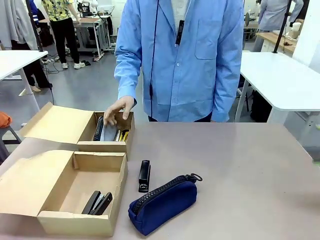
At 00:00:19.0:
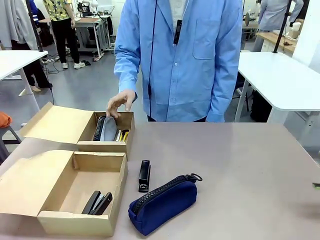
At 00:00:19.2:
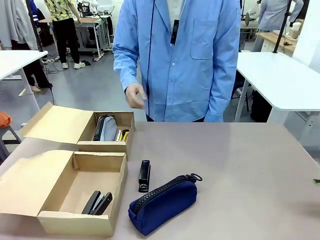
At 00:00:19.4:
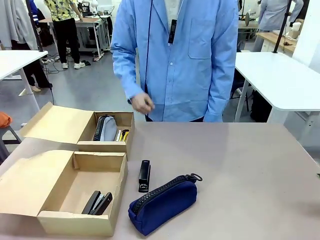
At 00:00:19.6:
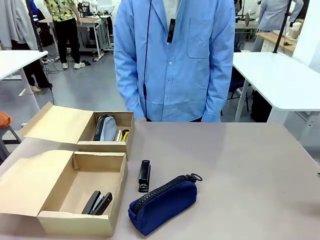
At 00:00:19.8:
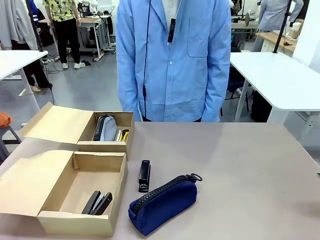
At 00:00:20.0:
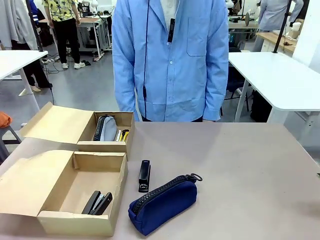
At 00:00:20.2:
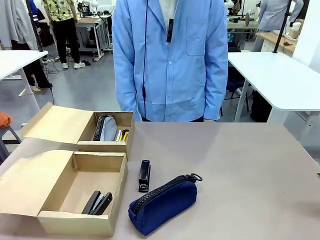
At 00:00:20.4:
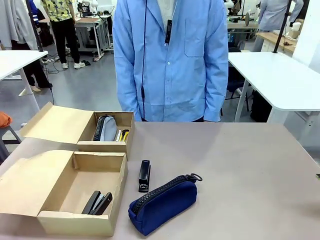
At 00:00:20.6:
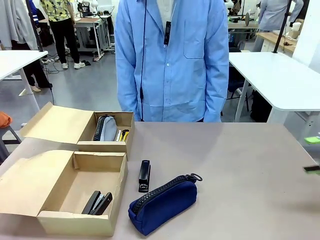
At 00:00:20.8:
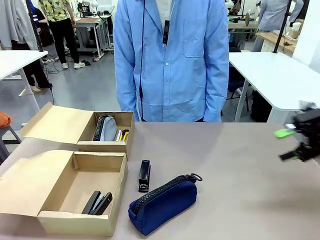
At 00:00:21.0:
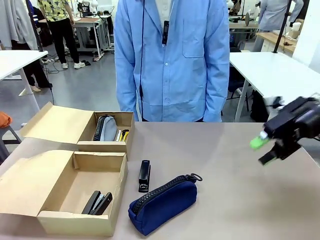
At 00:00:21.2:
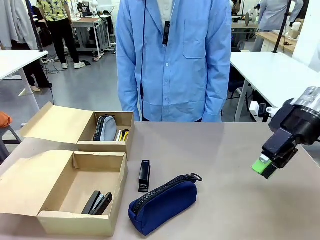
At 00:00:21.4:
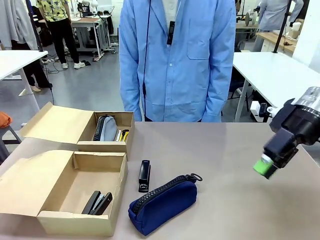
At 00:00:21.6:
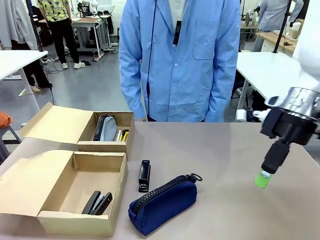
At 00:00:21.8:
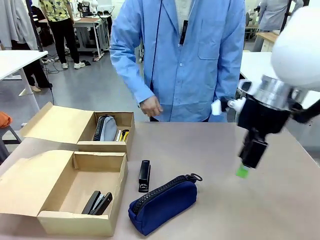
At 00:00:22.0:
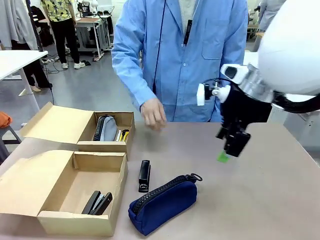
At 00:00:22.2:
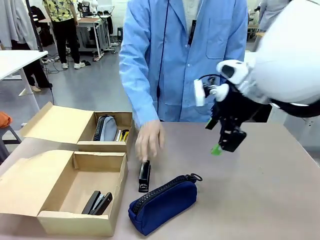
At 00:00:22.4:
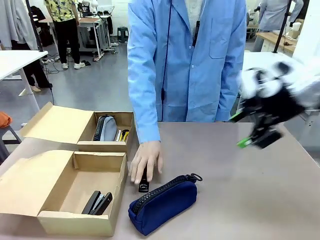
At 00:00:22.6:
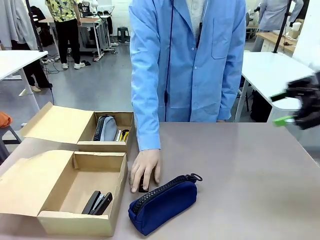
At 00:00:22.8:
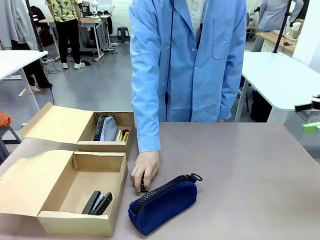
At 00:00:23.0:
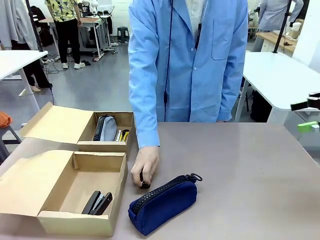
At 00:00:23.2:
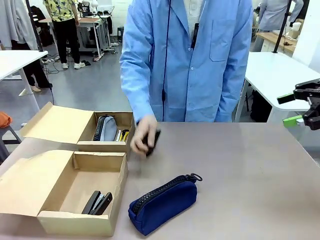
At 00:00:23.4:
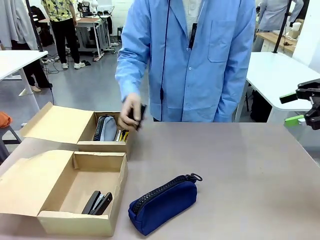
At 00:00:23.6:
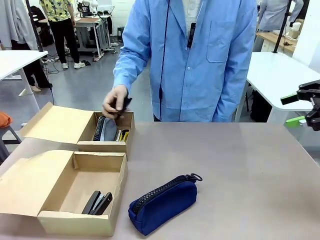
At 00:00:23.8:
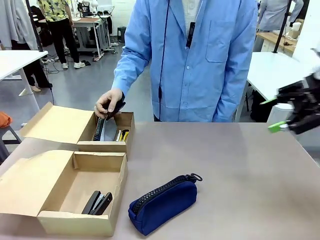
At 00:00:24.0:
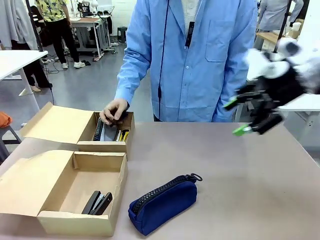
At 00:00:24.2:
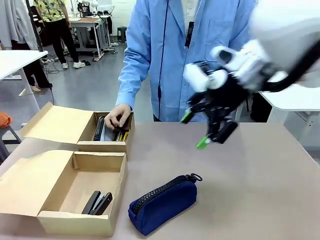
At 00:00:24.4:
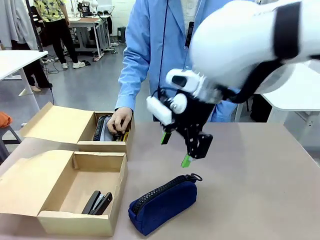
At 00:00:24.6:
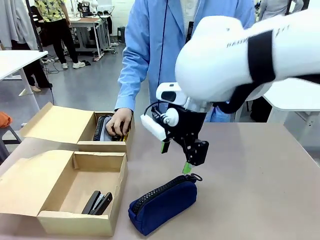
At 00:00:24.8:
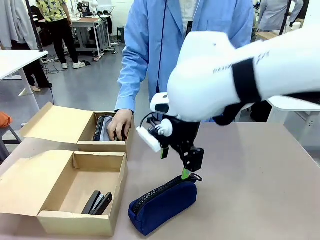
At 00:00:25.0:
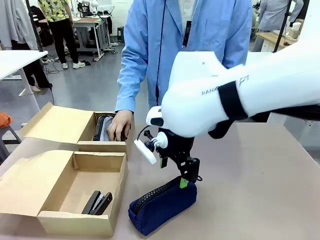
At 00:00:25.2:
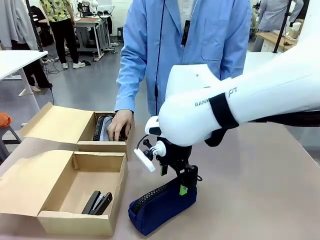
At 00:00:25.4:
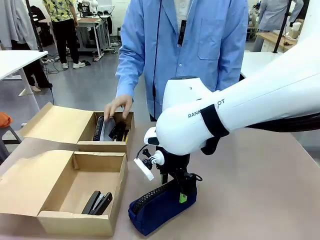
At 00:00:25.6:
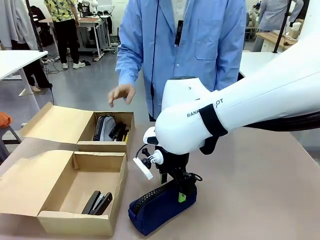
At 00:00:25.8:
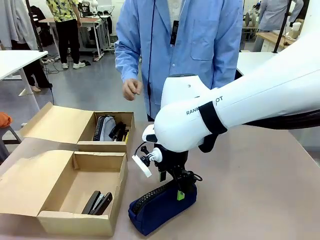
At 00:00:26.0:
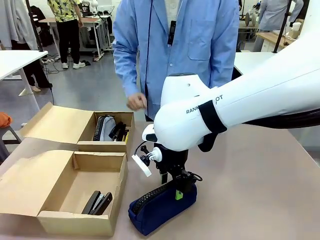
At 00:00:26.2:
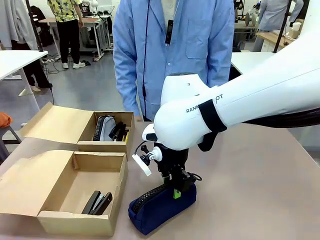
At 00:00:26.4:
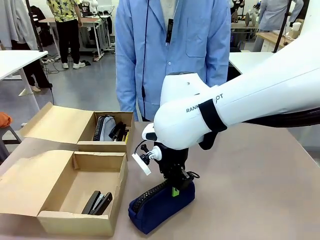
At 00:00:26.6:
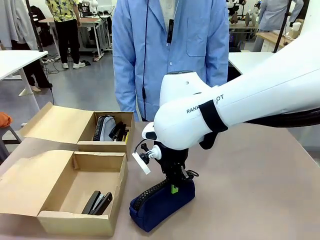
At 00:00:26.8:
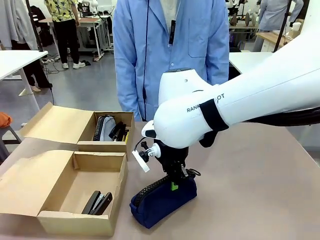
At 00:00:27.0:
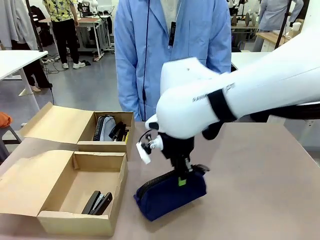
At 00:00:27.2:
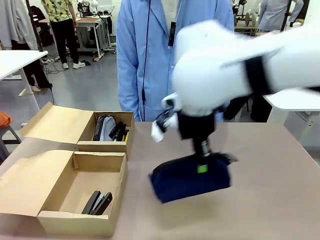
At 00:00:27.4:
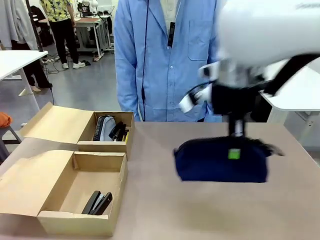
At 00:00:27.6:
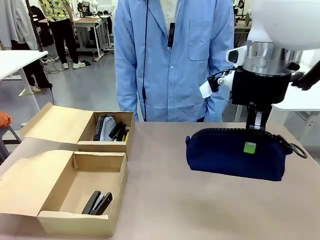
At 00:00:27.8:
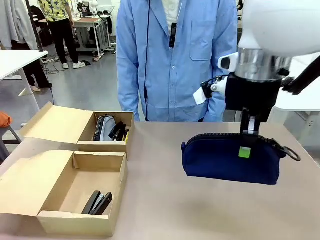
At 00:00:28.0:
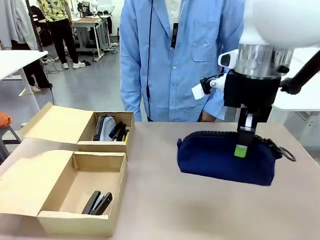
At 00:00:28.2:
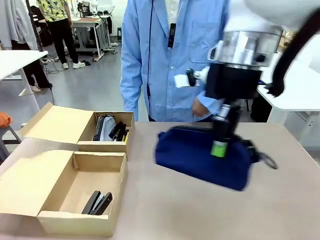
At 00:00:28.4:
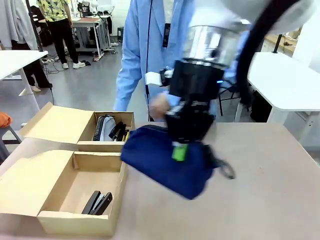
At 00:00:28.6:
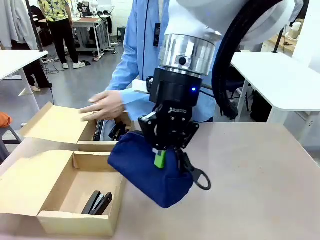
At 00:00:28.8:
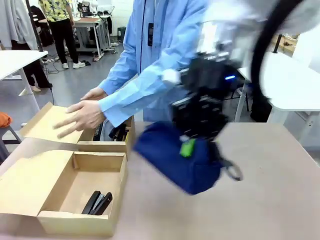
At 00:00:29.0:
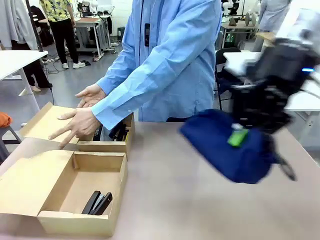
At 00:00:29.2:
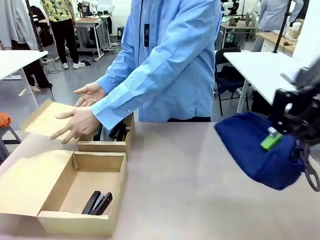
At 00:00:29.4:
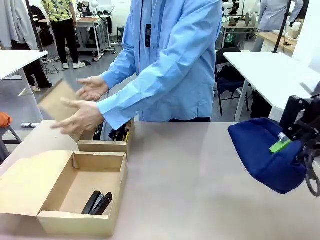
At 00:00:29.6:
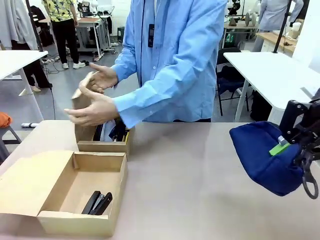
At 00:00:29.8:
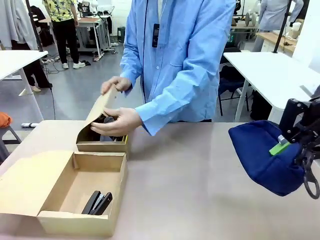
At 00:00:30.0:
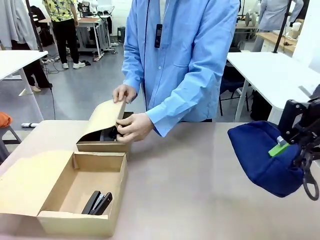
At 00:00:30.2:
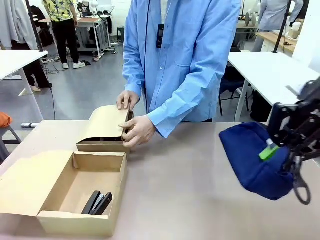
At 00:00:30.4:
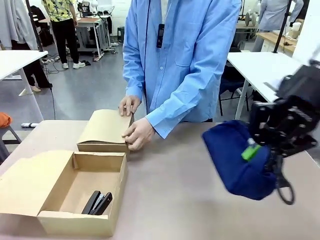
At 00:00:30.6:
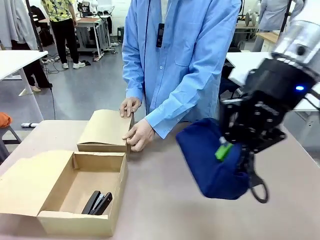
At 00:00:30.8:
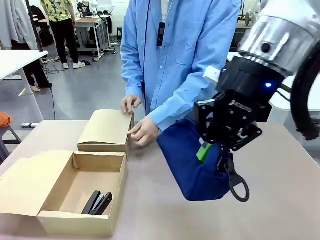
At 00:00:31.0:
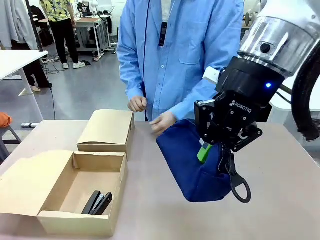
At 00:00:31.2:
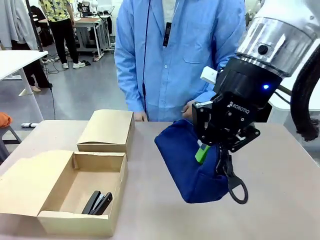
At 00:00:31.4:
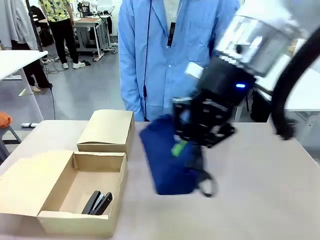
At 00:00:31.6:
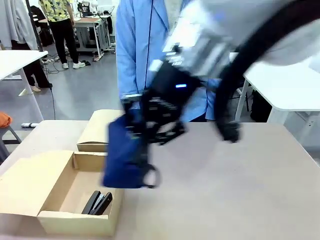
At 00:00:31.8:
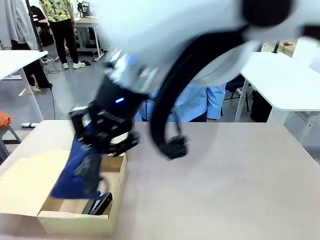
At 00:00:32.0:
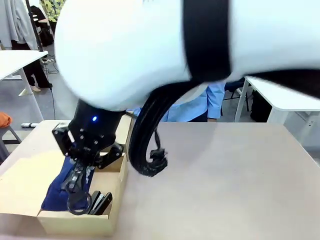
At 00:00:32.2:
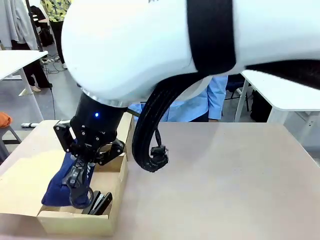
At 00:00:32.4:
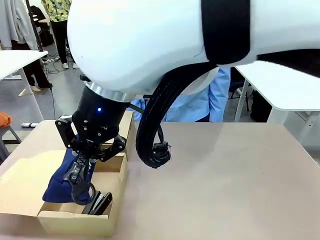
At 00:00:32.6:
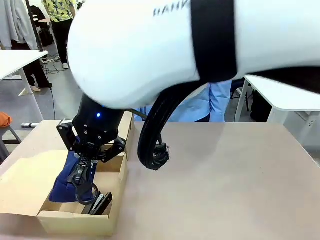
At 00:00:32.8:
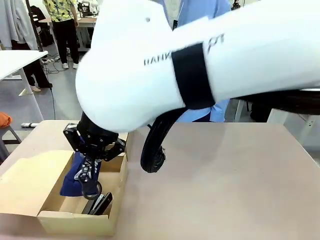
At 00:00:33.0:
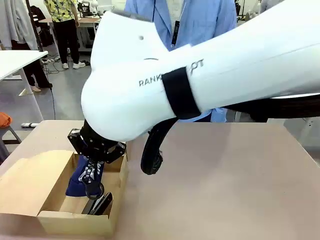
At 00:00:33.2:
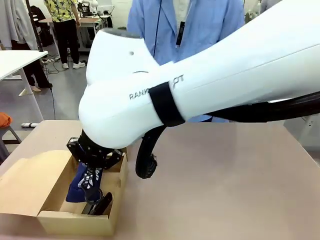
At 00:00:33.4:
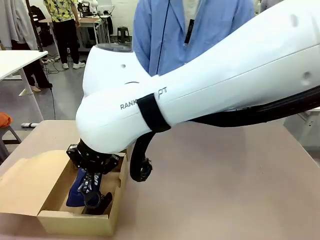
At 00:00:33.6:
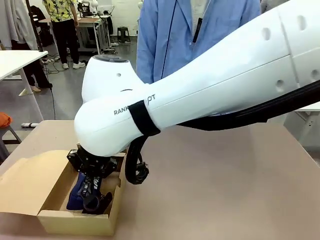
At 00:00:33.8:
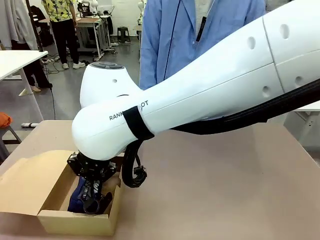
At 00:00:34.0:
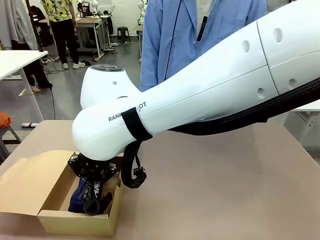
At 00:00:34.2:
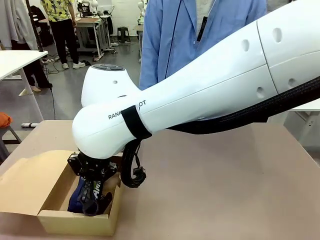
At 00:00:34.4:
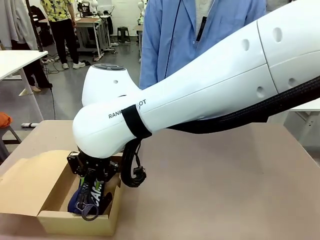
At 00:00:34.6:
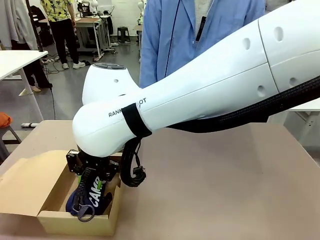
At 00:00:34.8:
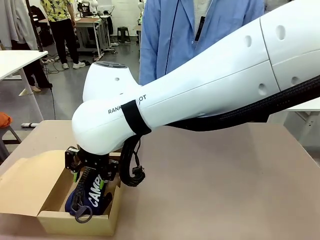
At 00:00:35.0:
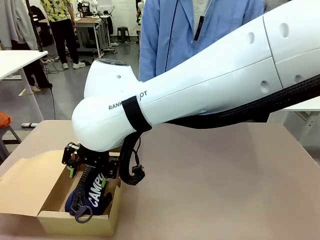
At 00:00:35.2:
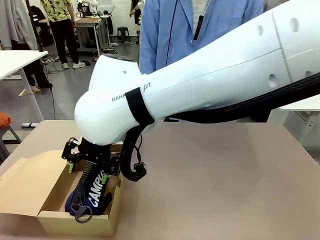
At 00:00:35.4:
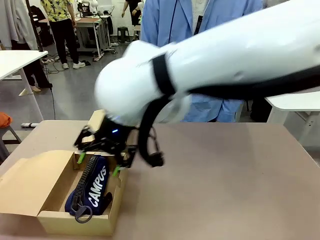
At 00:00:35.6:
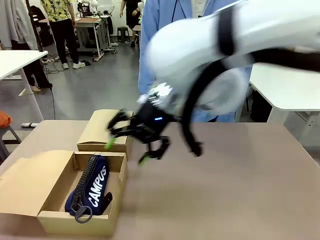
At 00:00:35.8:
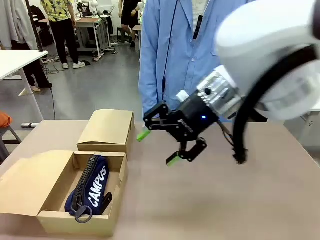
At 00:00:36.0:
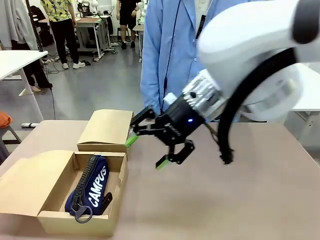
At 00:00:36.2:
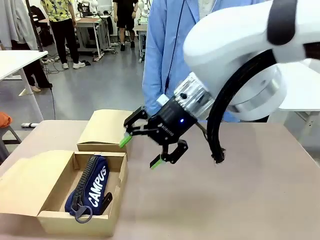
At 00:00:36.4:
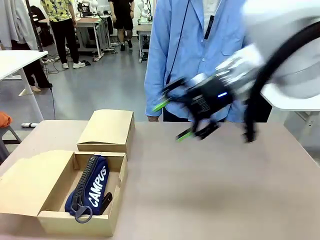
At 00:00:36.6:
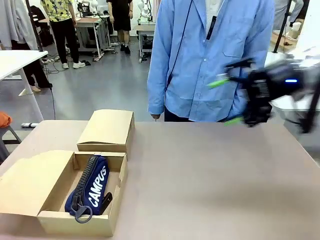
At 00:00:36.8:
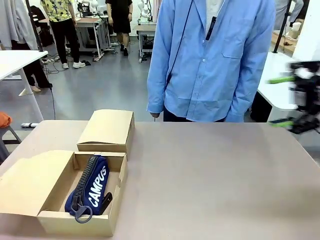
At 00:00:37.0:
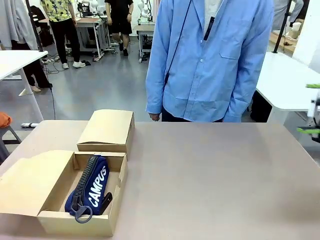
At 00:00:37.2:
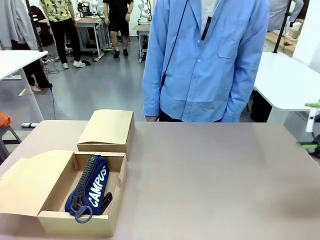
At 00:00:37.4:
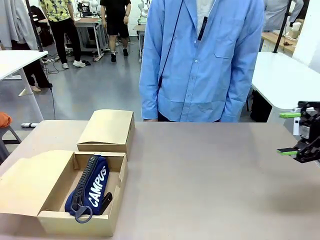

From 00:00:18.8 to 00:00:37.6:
Task: Place items inside the box.
Robot: Pick up a Pencil pouch or Stapler and place it inside the Mailer Box closest to the robot.
Person: Close the lid of the box facing the person.
